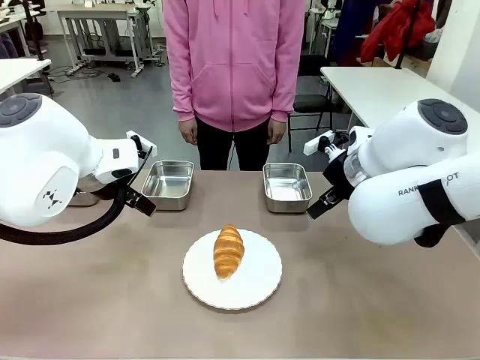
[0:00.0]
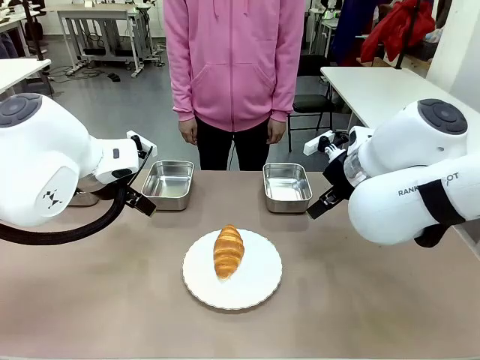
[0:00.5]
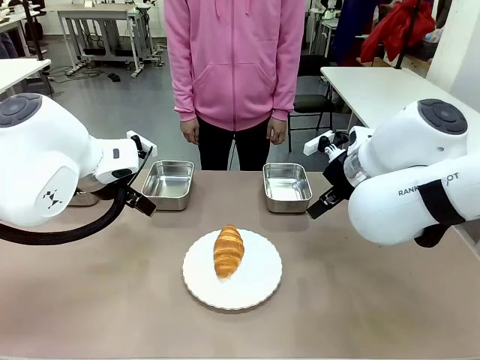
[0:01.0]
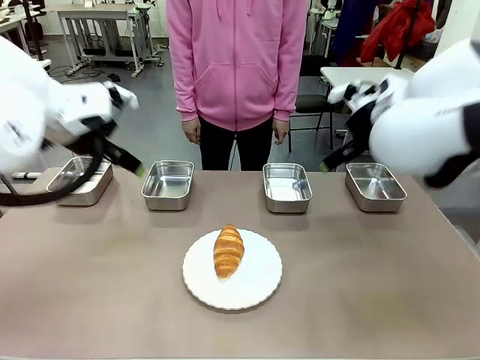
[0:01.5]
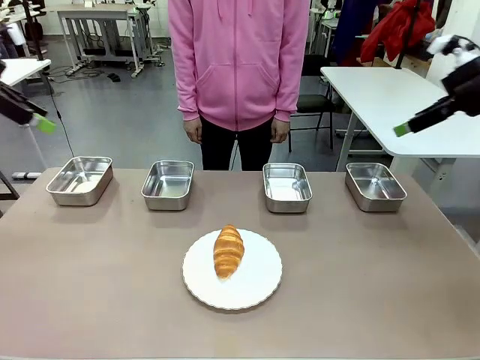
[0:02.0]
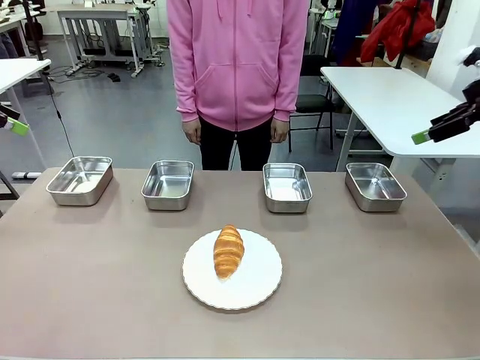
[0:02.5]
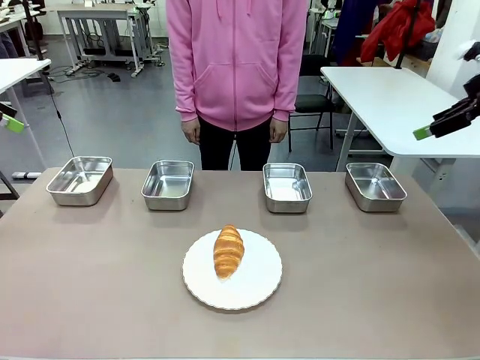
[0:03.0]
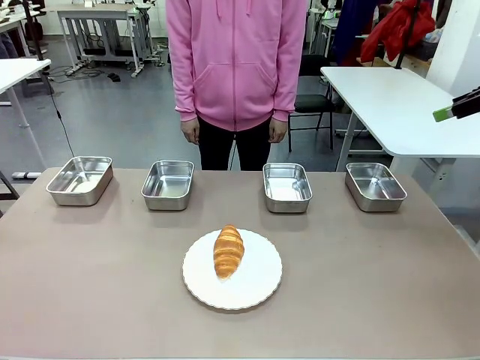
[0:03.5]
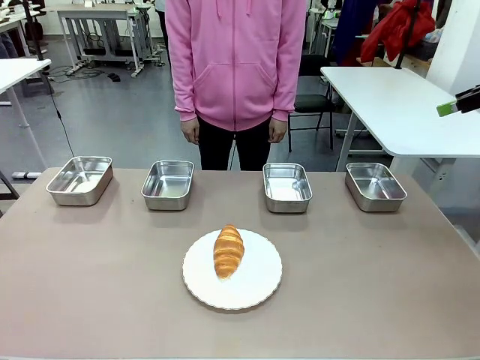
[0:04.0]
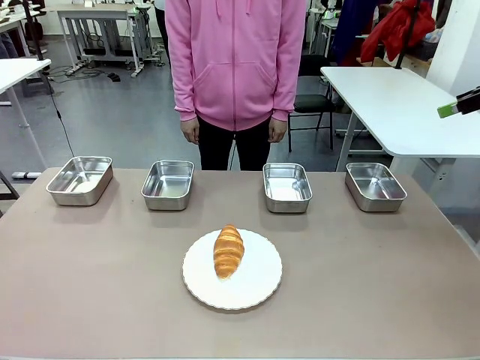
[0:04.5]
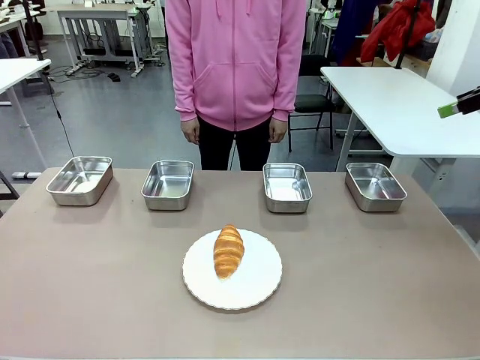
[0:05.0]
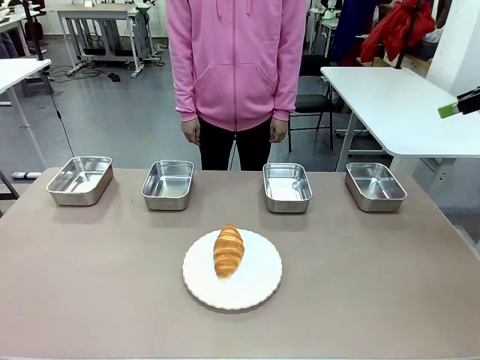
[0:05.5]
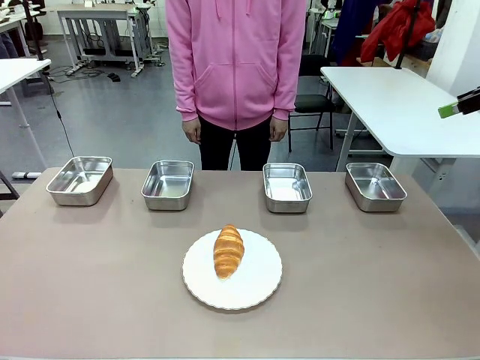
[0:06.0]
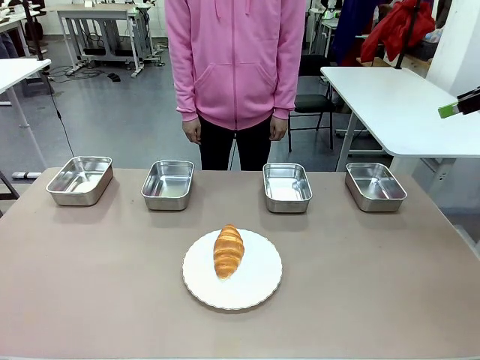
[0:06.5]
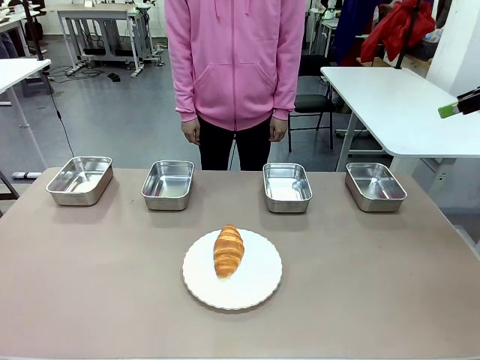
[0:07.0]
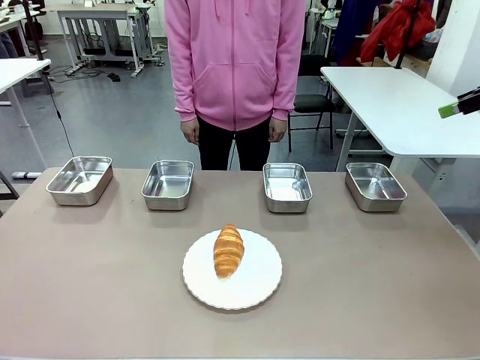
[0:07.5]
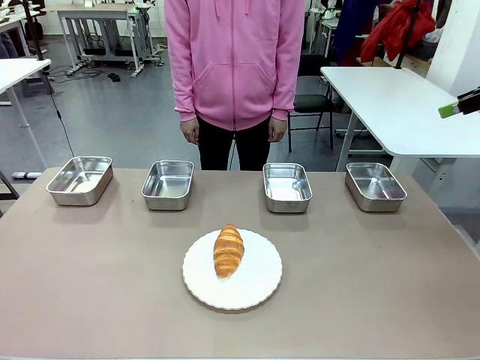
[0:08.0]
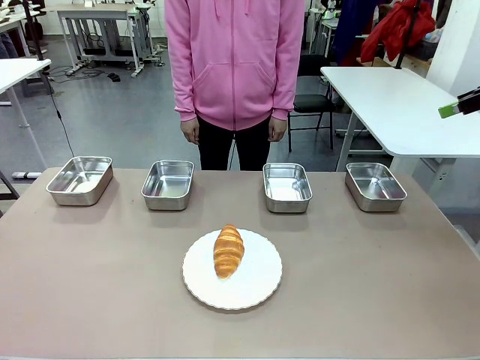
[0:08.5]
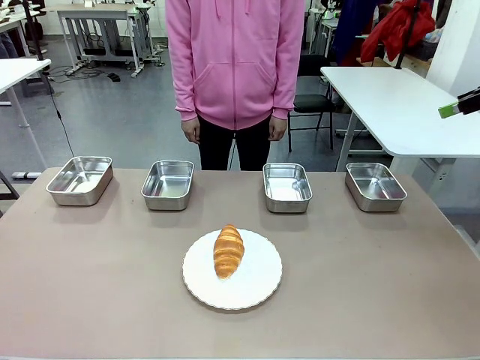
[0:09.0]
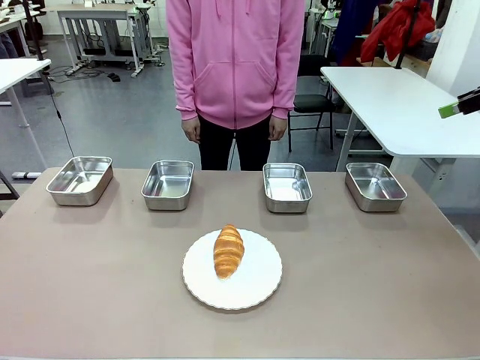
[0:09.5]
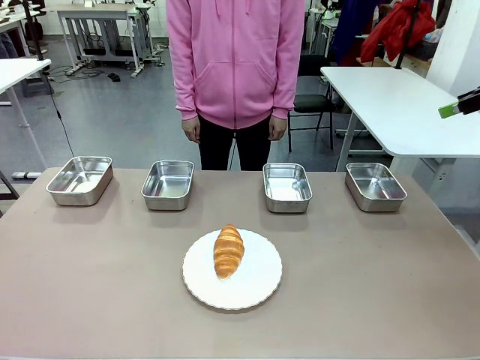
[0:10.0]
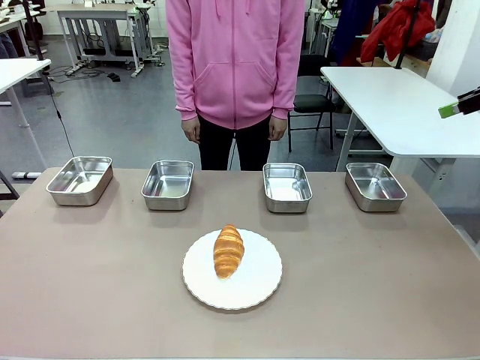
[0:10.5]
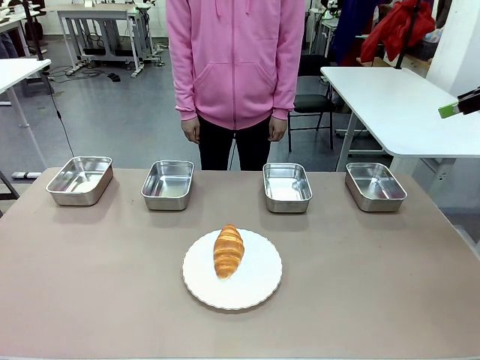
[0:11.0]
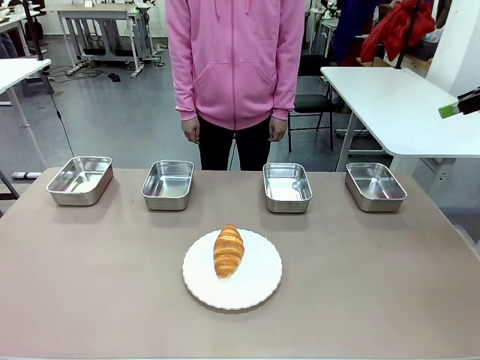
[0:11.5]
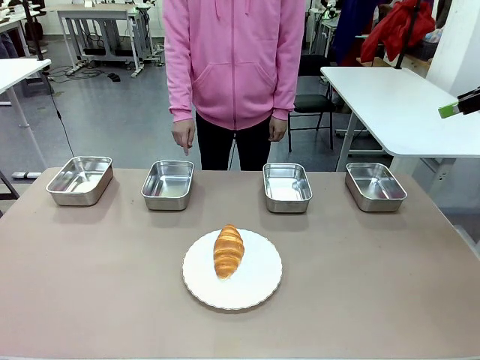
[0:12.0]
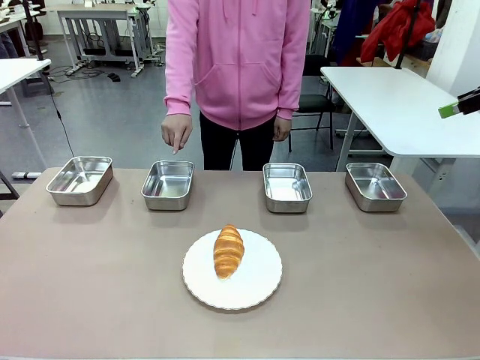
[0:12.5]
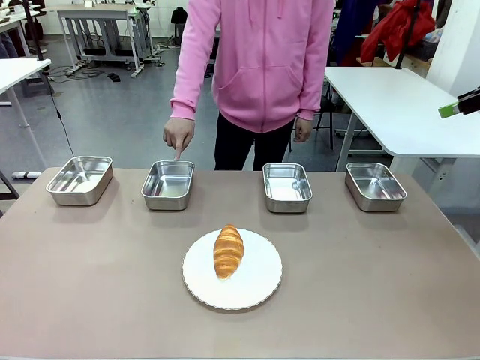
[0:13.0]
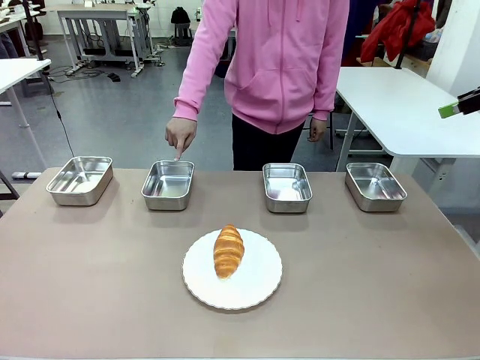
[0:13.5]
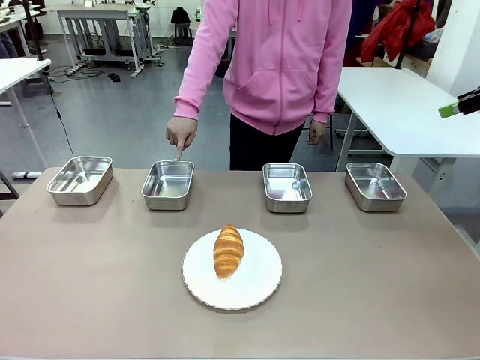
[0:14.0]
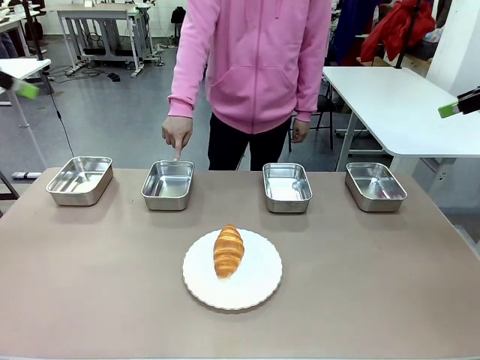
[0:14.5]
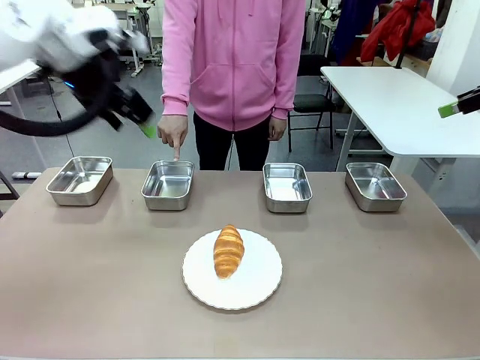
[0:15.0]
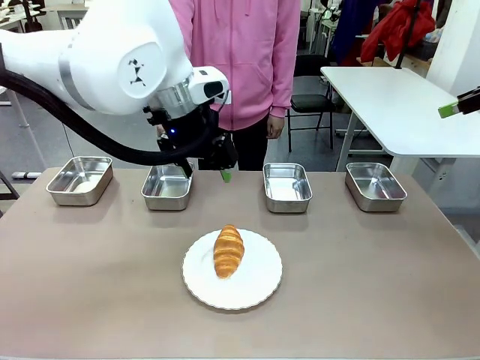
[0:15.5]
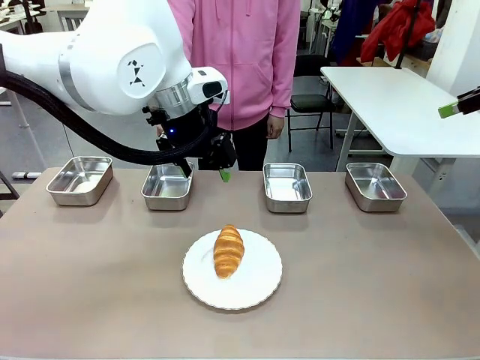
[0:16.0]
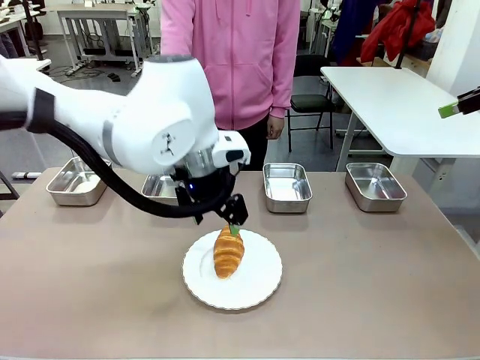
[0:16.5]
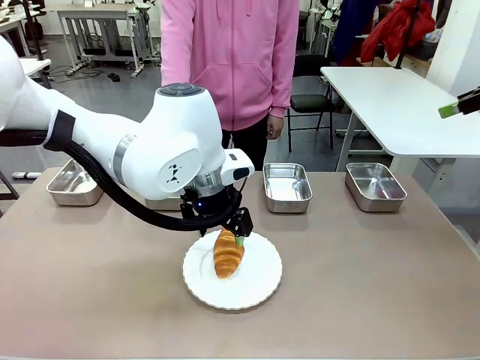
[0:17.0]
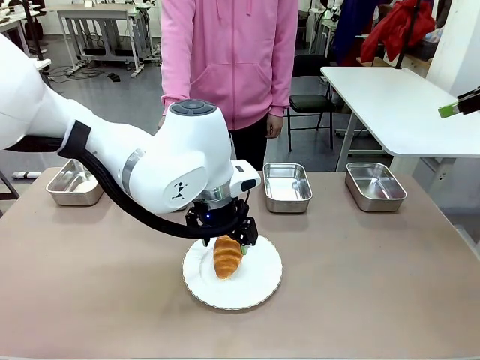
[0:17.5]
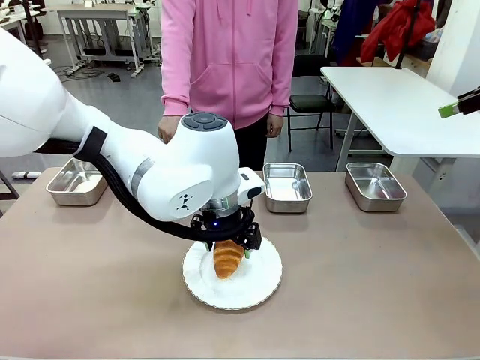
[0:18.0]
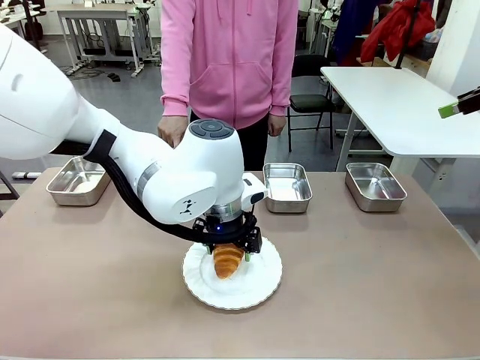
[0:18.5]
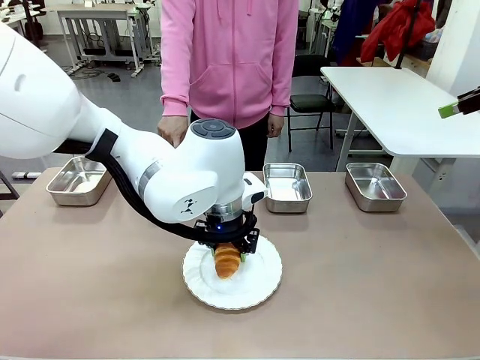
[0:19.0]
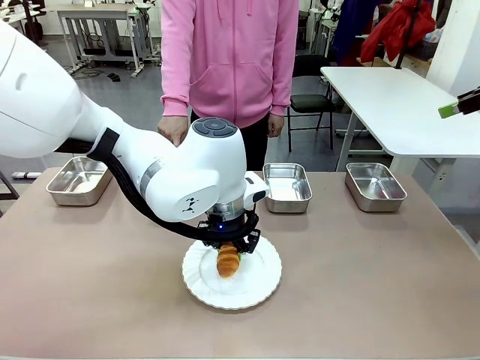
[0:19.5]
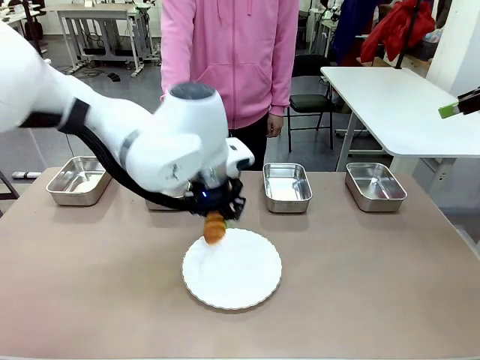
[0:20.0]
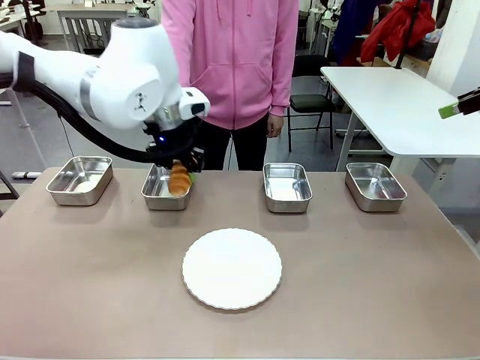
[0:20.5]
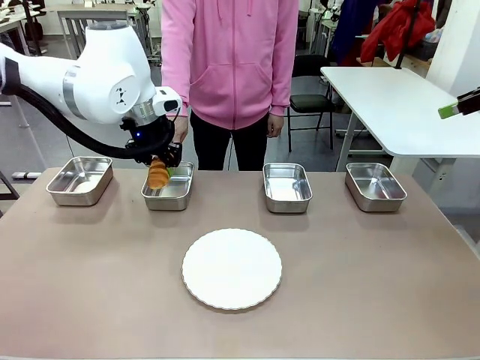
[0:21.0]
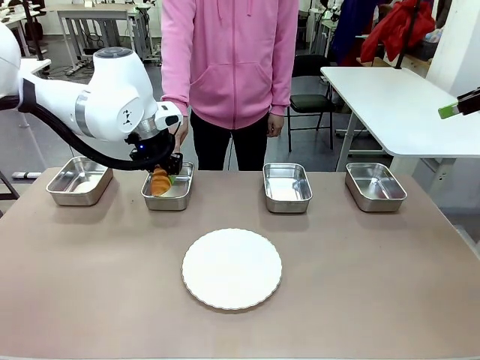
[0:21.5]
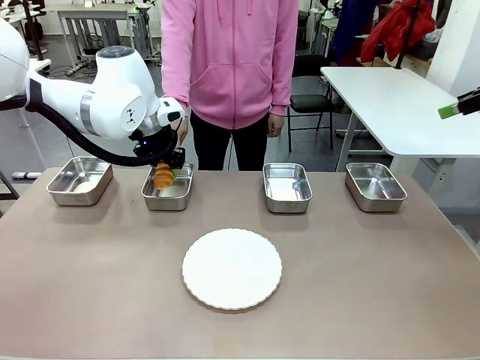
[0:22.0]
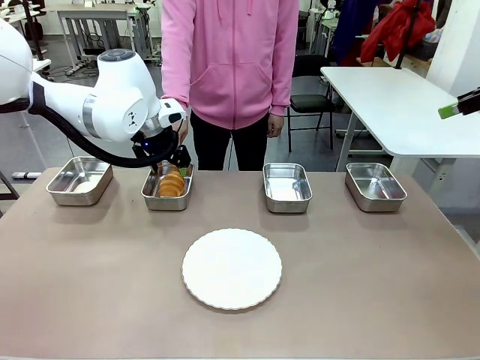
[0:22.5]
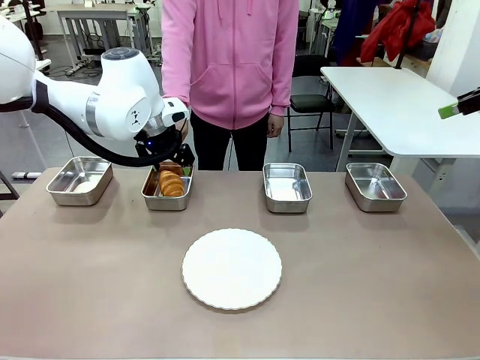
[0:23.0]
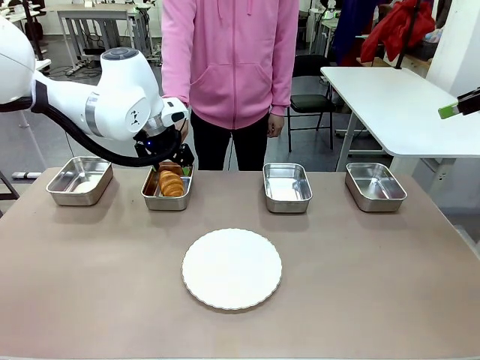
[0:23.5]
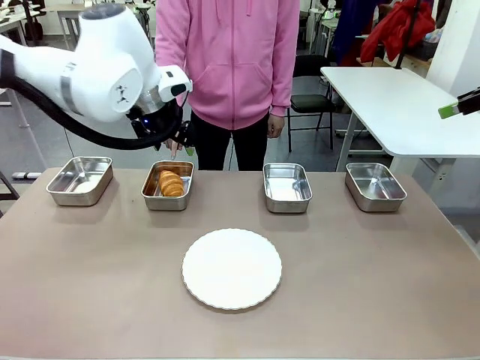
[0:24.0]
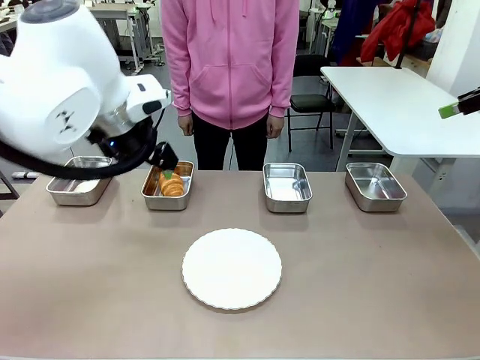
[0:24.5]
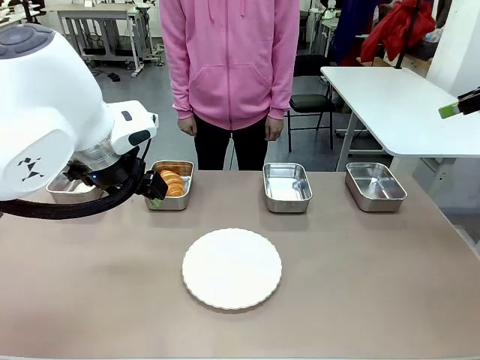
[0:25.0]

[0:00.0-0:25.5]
Task: Place the bread in the container.
Robot: Place the Butter Roll into the Airtight Container indicated by the human.
Person: A person randomly selects and points to an Airtight Container.
